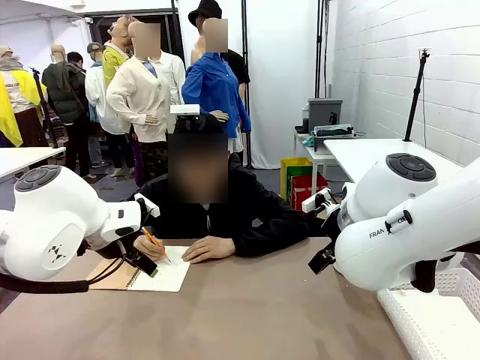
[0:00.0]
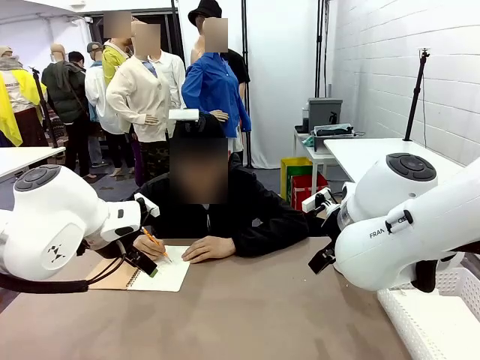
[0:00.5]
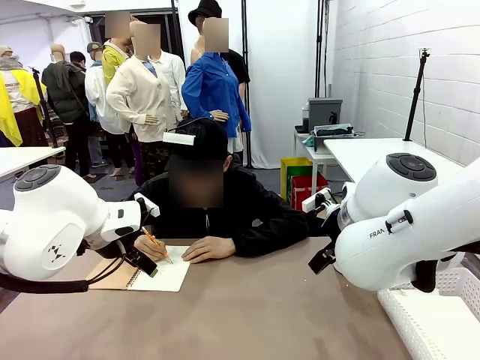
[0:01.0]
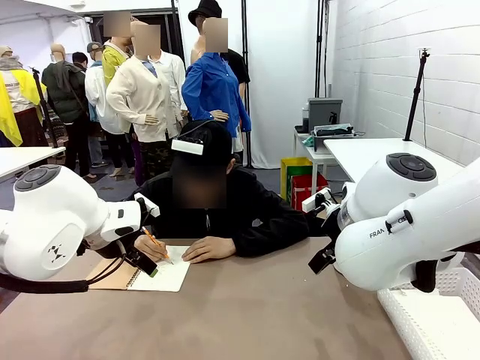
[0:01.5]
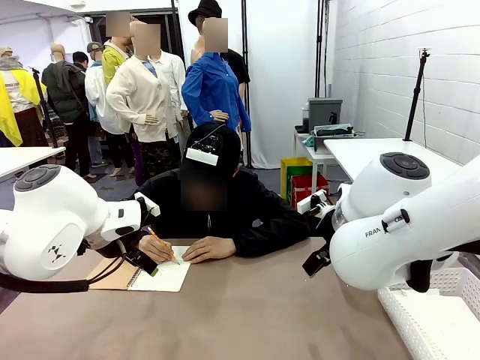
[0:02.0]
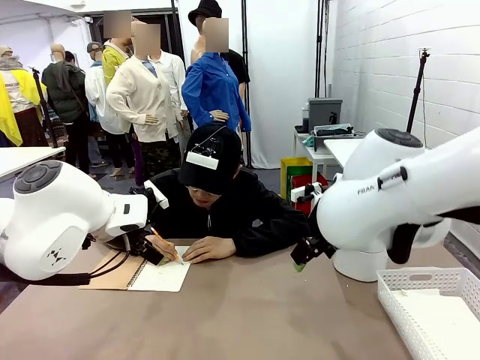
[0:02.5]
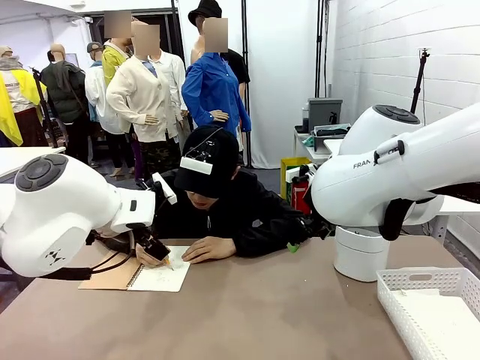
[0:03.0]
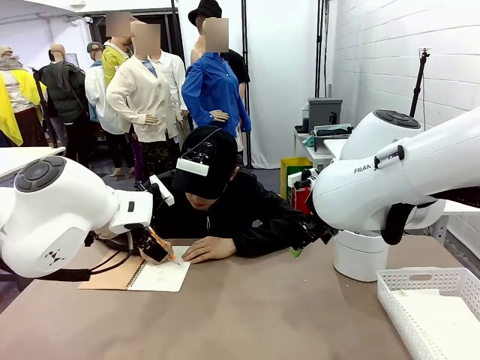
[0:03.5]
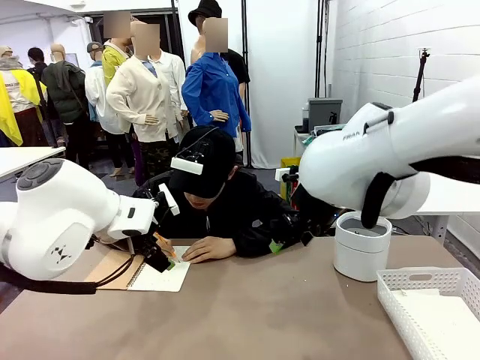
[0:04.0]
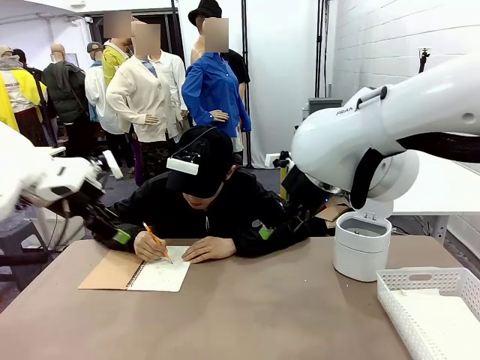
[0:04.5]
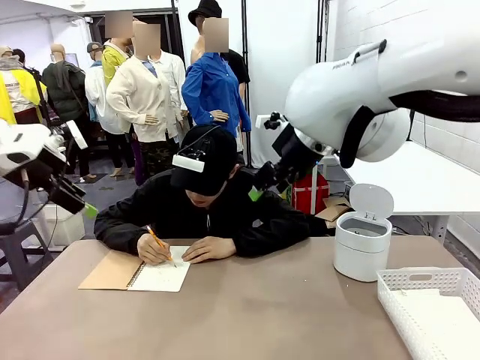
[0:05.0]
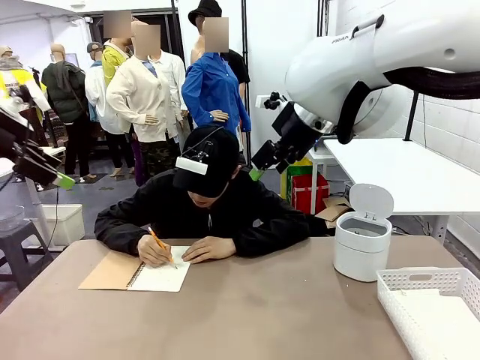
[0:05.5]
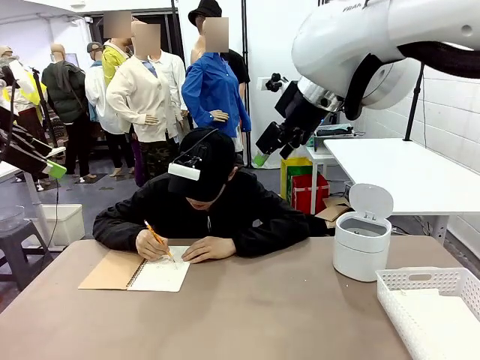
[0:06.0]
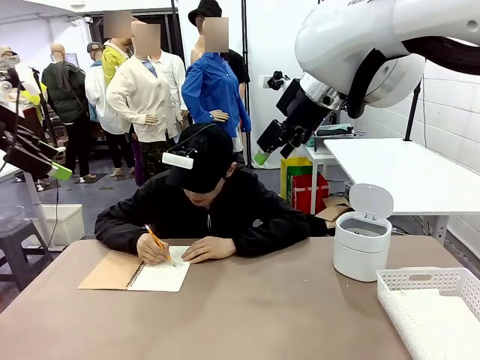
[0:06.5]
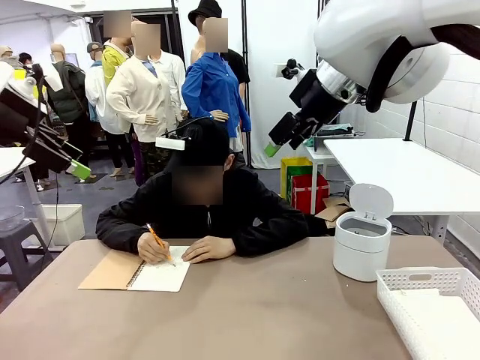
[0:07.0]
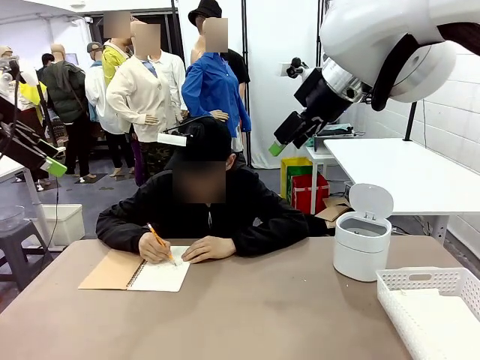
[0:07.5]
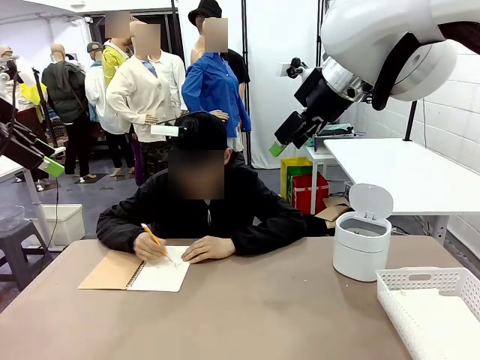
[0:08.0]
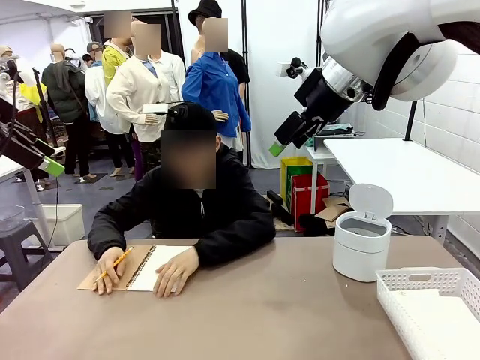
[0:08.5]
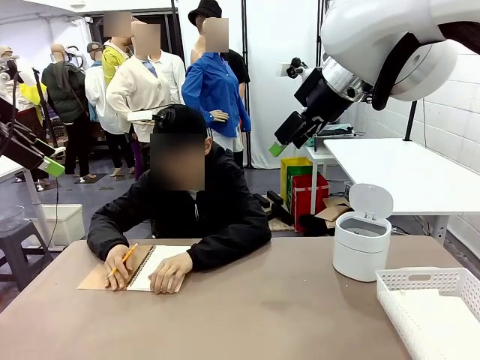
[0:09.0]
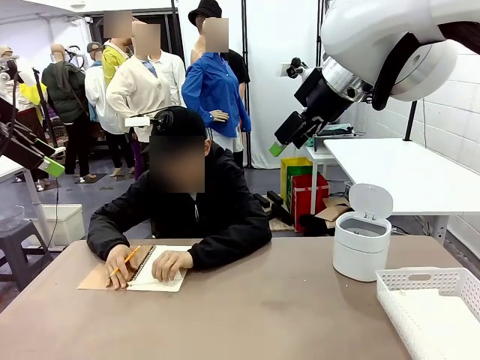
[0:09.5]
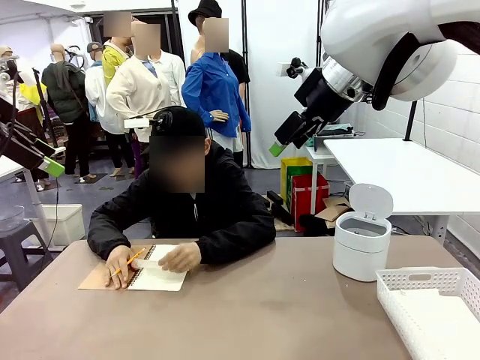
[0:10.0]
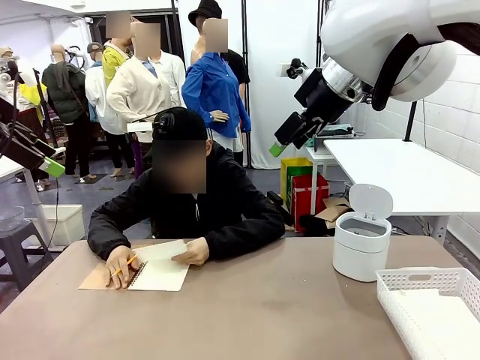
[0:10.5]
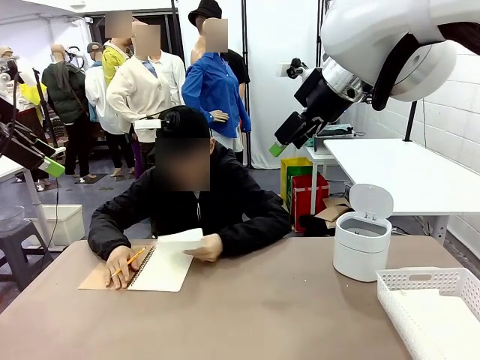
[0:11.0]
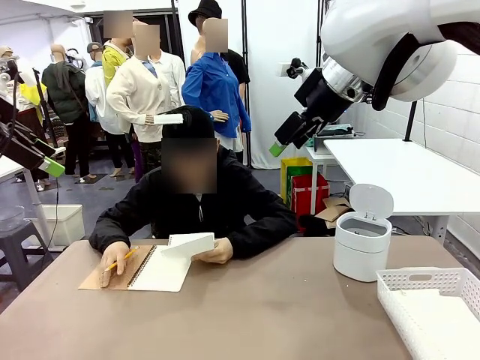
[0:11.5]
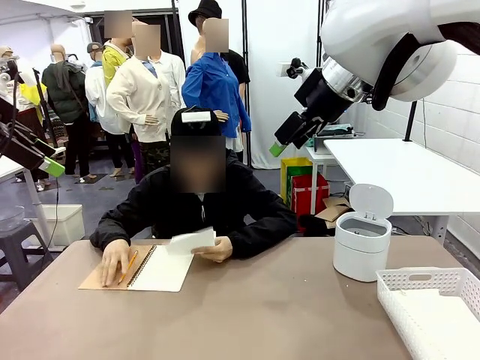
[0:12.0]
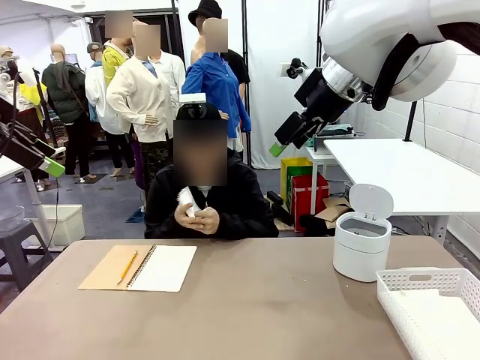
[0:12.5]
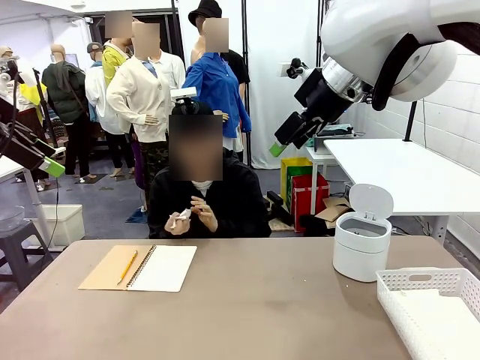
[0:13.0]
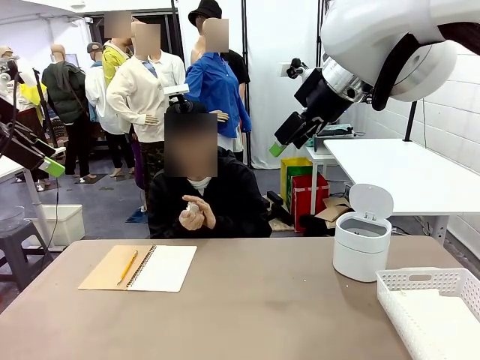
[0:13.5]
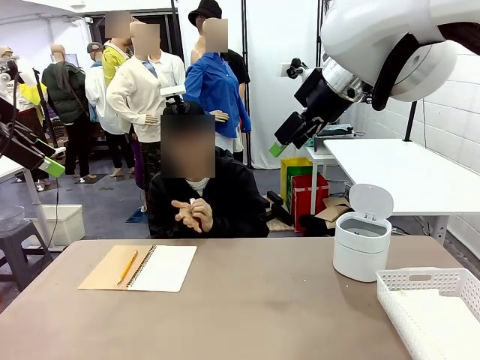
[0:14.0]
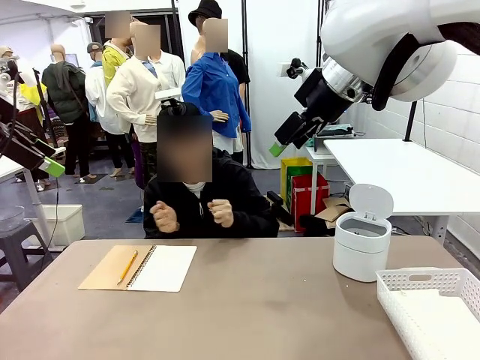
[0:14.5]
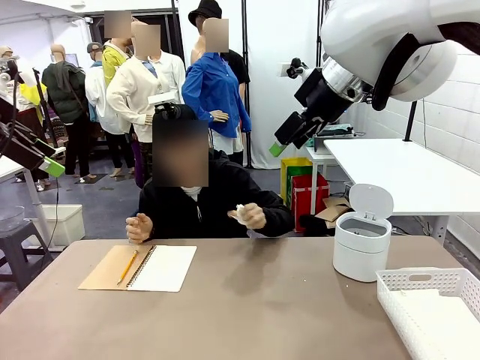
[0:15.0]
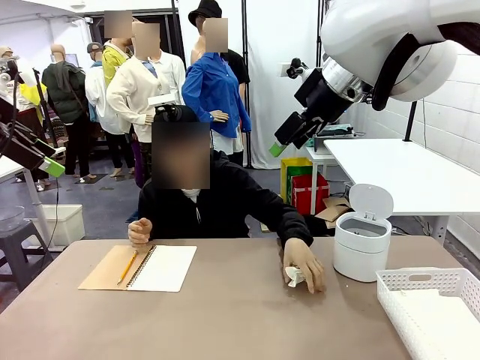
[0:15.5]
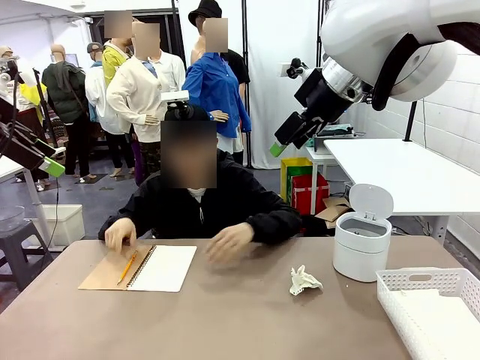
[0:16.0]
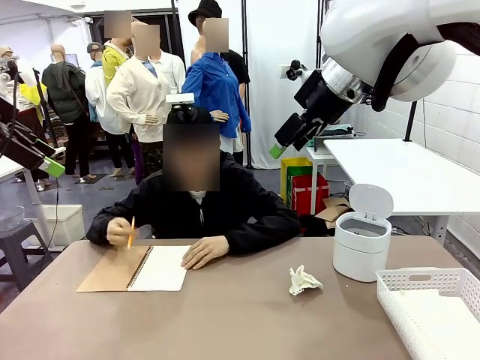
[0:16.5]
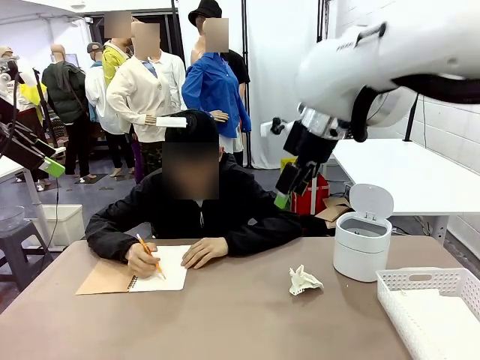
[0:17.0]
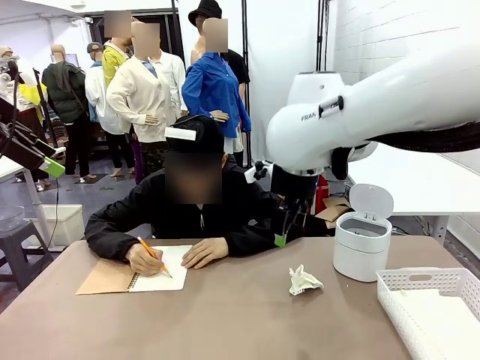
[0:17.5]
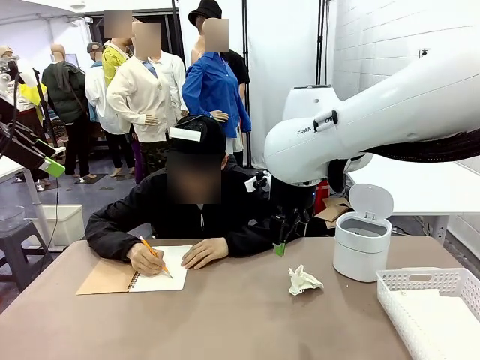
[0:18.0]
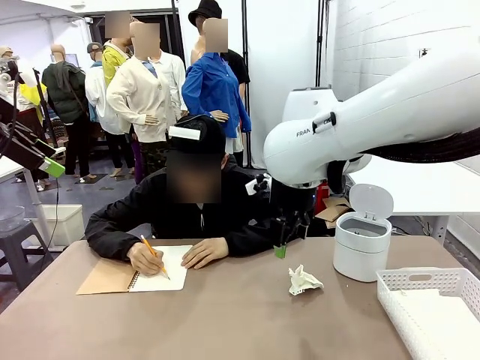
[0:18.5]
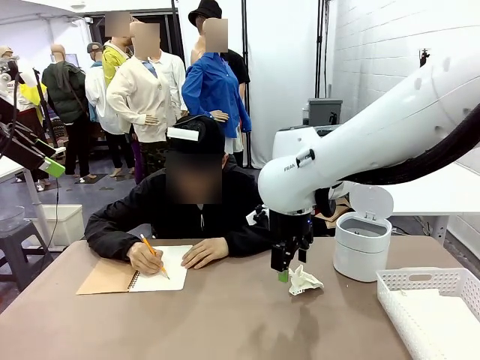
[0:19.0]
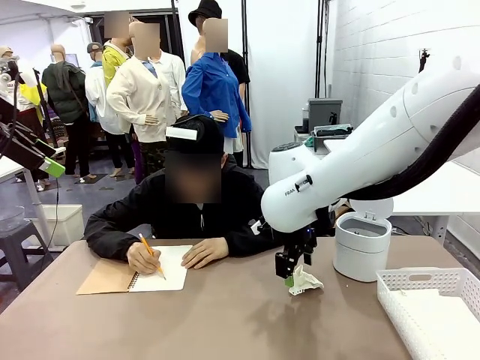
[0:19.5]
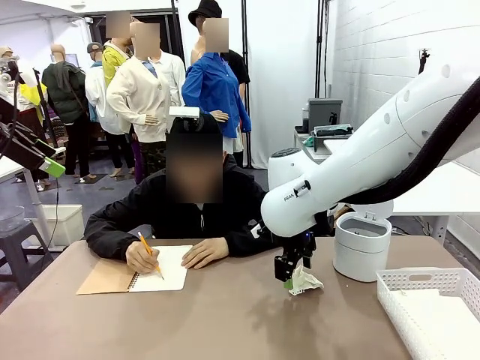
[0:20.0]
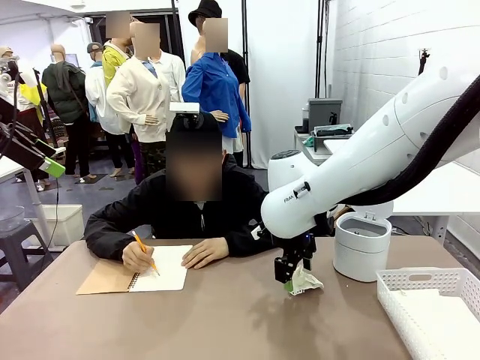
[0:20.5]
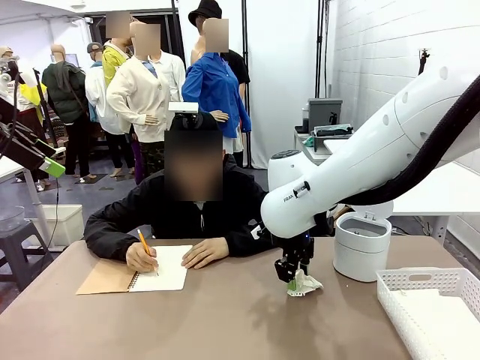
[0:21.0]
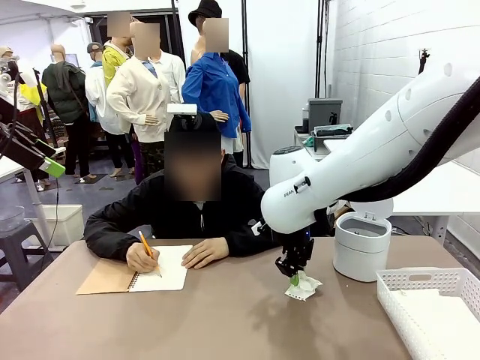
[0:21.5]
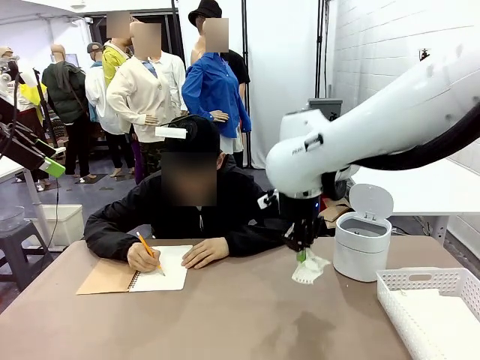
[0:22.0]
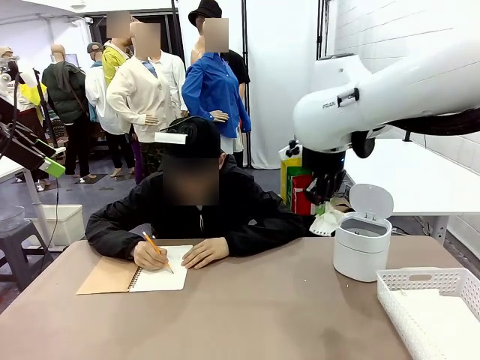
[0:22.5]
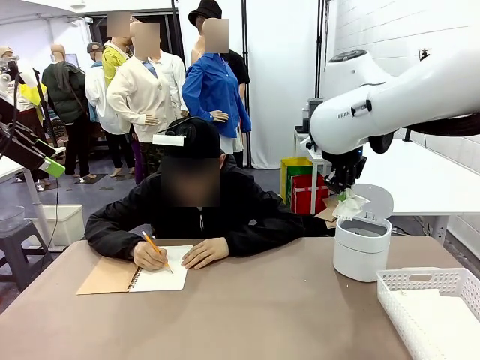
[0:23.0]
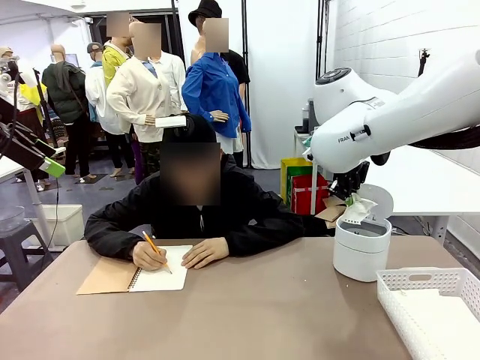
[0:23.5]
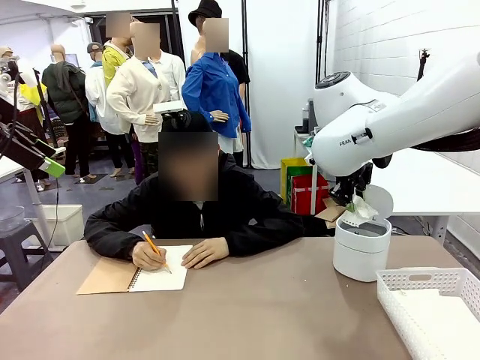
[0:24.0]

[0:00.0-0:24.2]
Task: Sort the paper based on its condition.
Robot: If a person hands you a paper, place it in the Organizing basket , and if it's crumpled, put it in the Trash can.
Person: Tear out a page from the spiral notebook. Hand the torn page to the robot or crumple it and throw it to the center of the table. Tear out a page from the spiral notebook.
